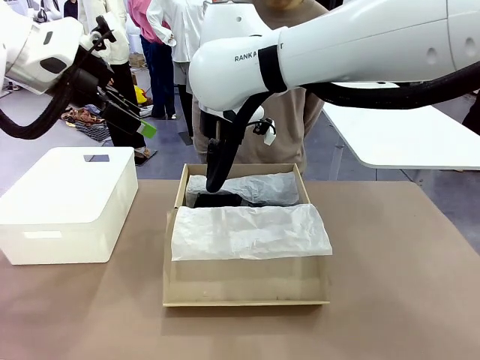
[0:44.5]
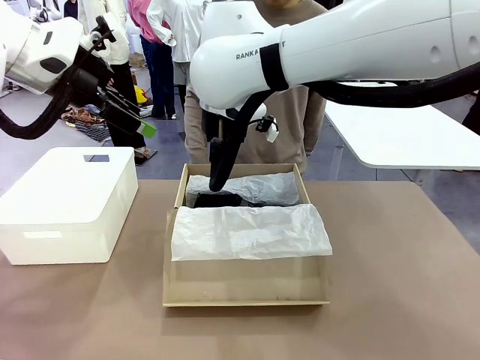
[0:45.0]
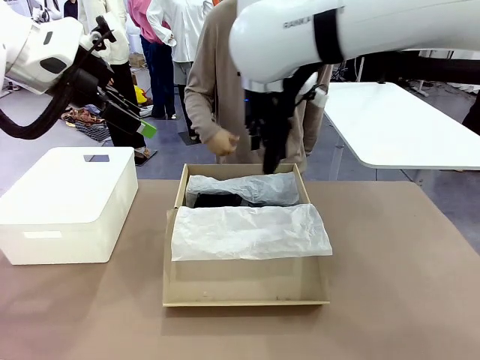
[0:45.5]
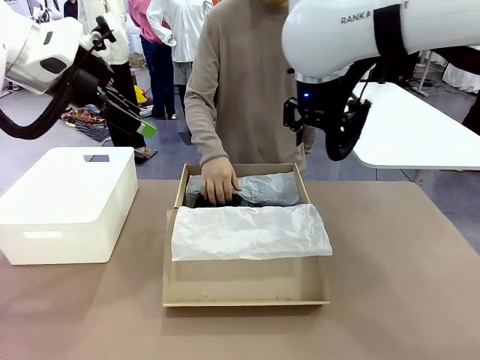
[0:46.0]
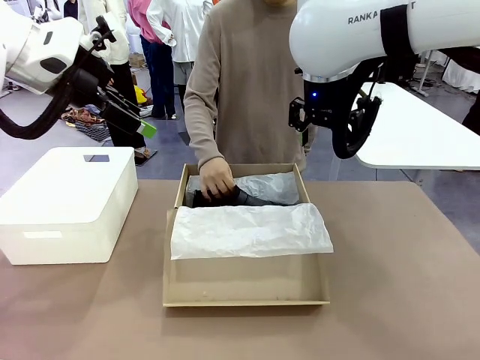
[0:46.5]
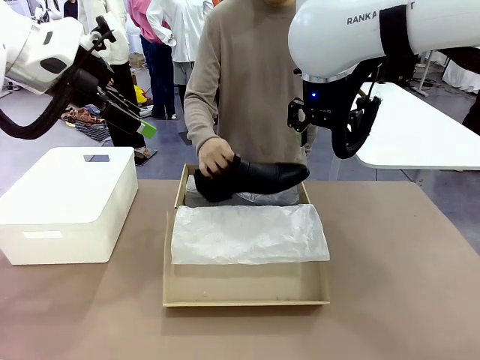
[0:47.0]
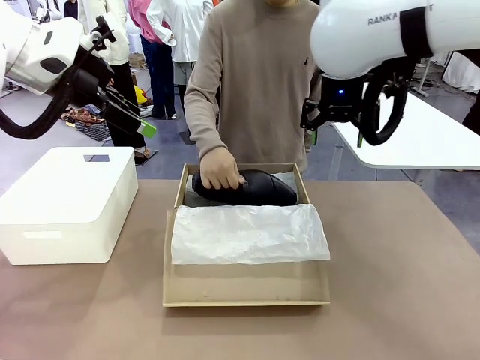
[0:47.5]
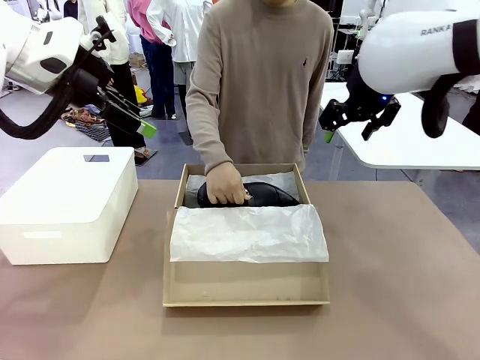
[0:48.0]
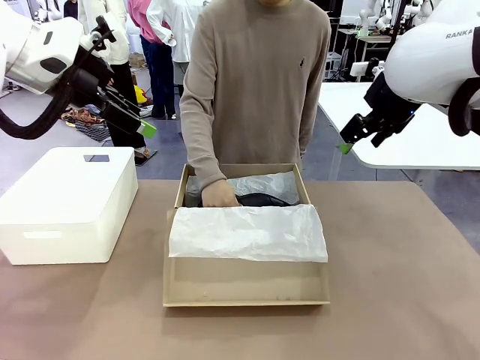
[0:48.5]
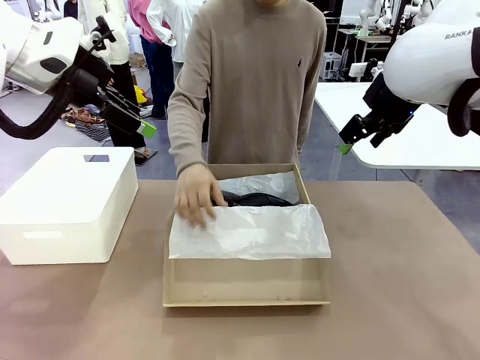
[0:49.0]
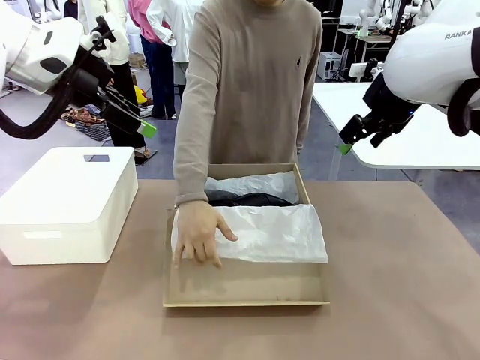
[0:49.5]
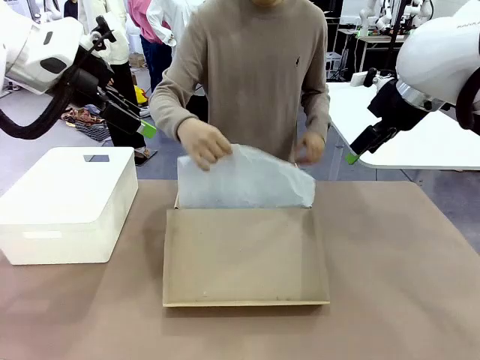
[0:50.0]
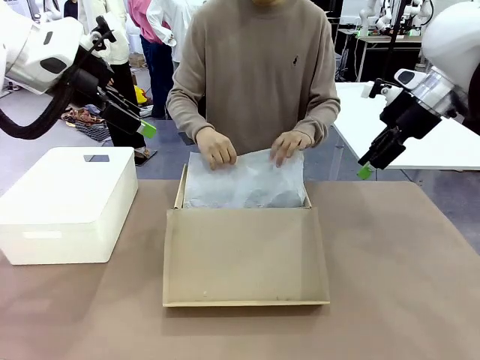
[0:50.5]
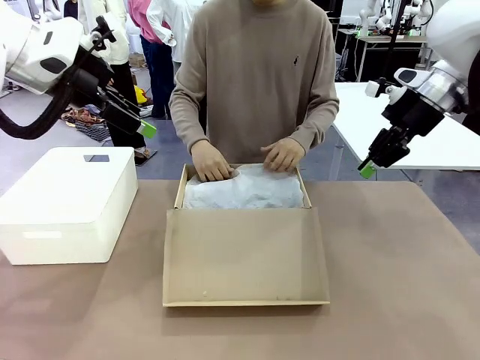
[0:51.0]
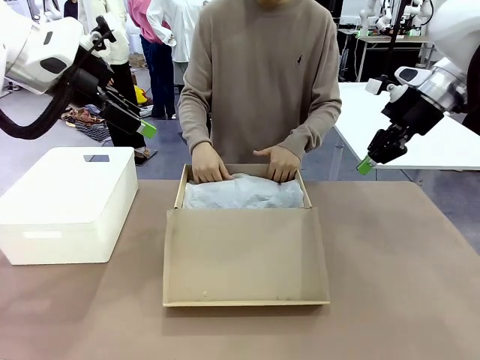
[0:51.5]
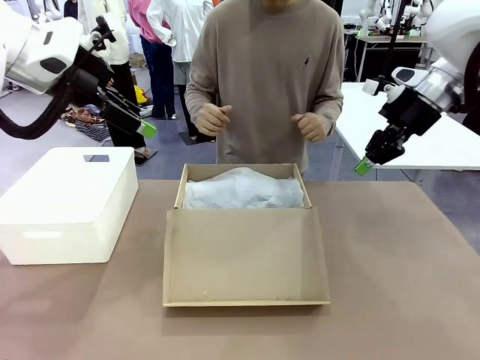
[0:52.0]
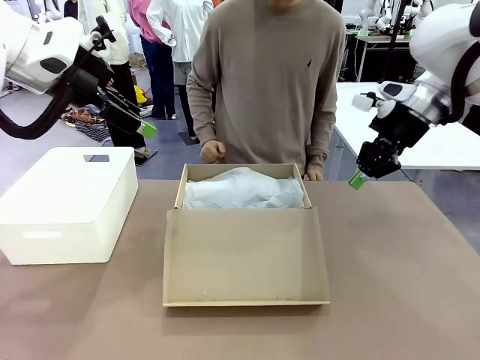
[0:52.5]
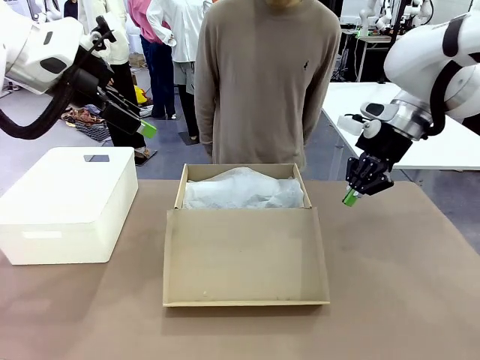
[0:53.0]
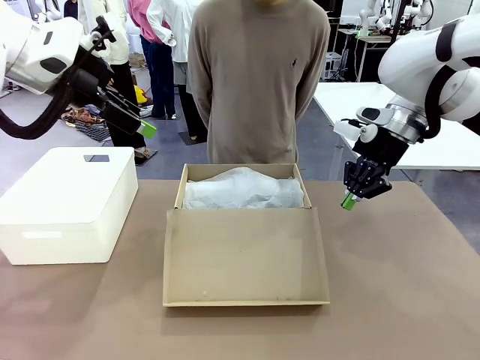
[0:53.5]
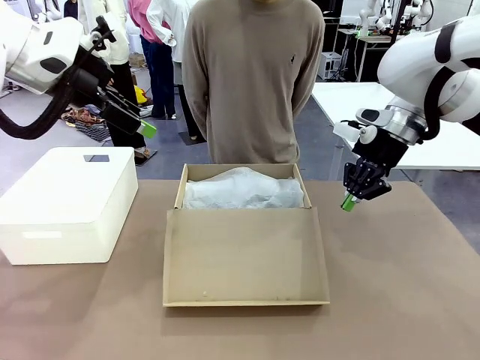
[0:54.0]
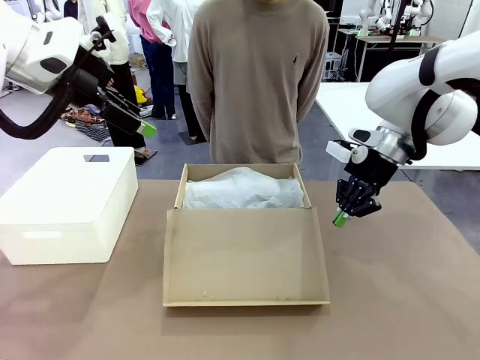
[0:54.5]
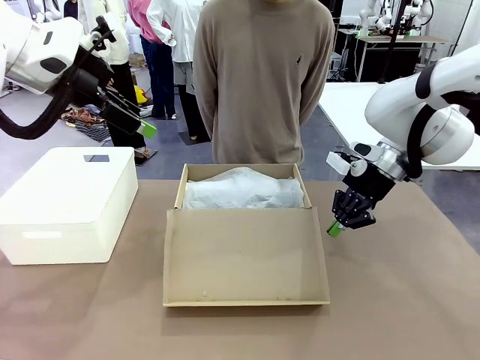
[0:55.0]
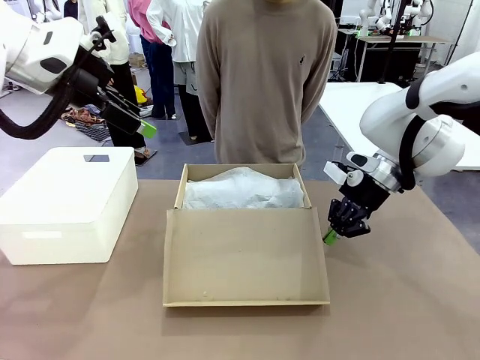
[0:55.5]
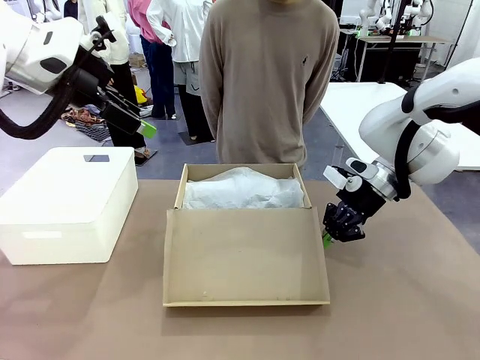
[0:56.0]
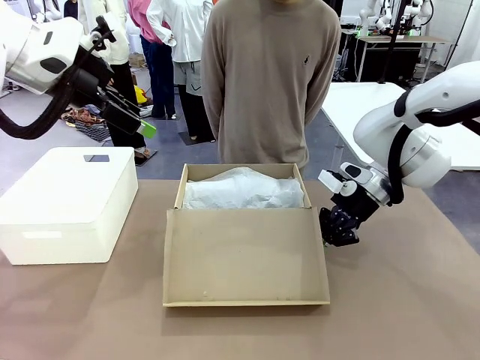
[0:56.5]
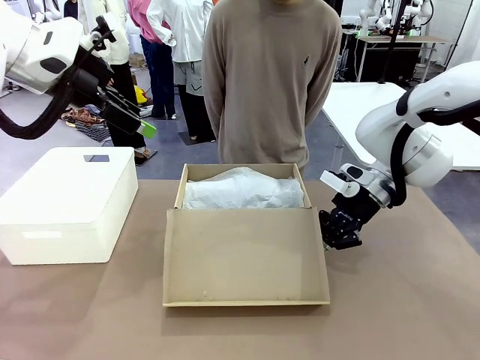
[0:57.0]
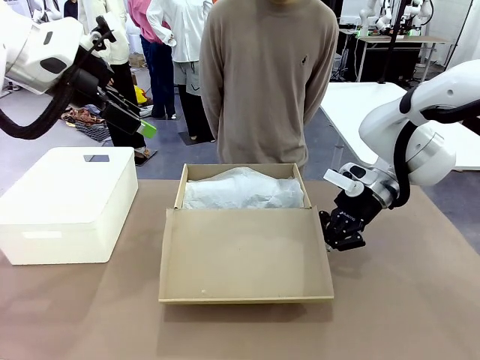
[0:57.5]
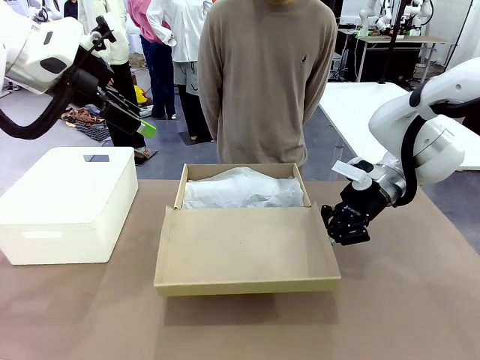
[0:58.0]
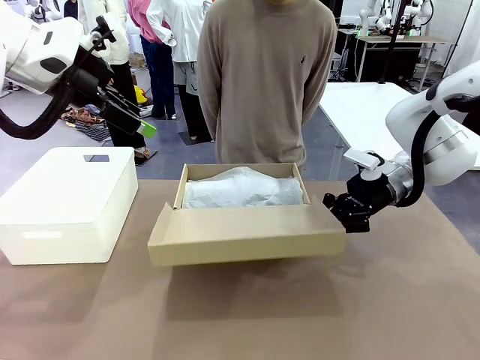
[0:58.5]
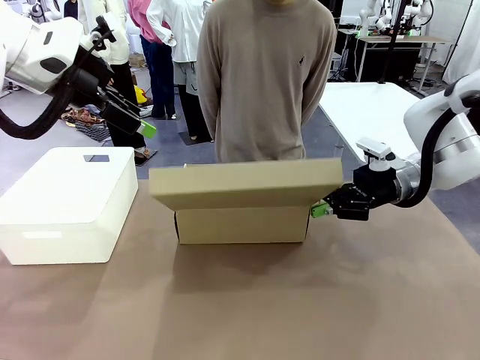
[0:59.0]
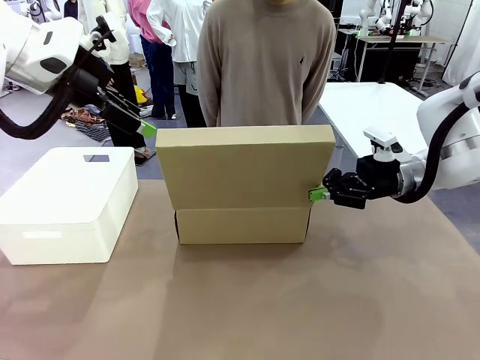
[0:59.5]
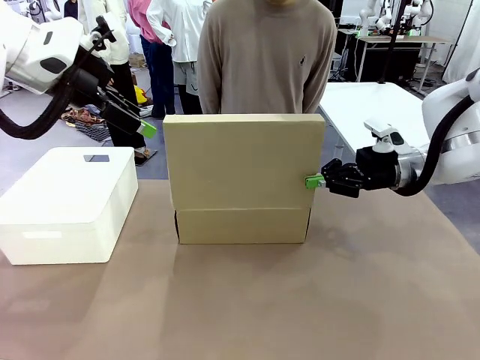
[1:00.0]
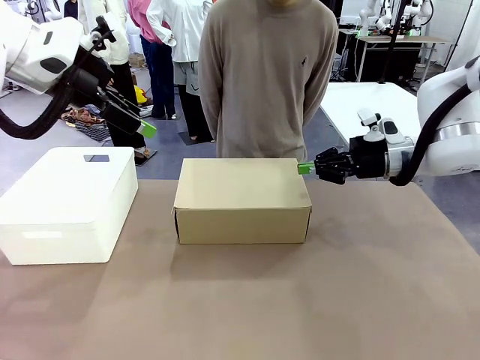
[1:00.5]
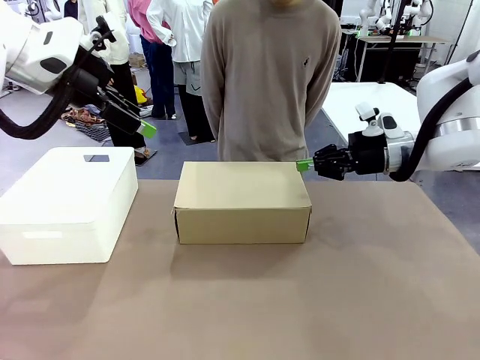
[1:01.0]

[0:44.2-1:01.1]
Task: Pack the shoes into the box.
Robot: Close the Shoes Box.

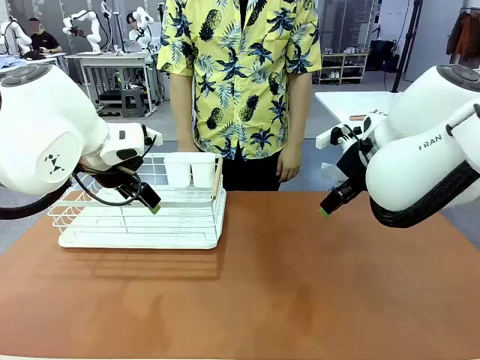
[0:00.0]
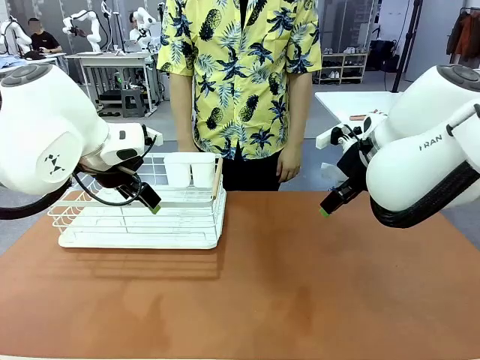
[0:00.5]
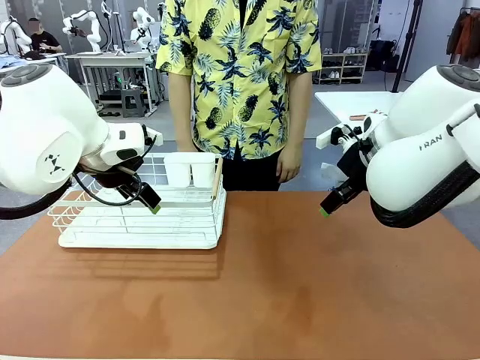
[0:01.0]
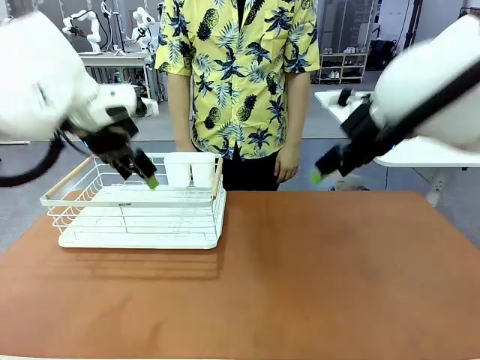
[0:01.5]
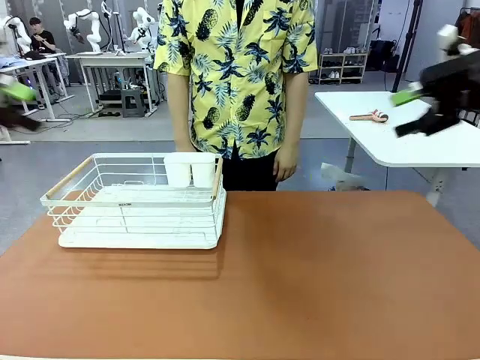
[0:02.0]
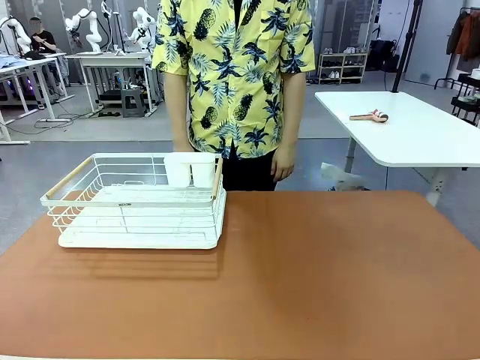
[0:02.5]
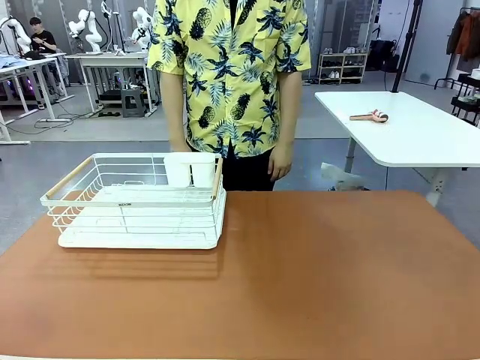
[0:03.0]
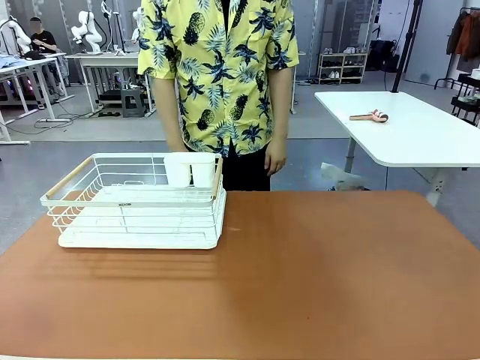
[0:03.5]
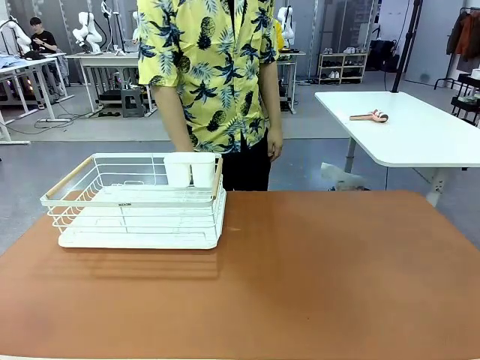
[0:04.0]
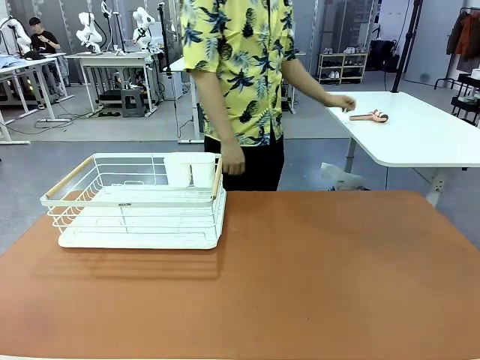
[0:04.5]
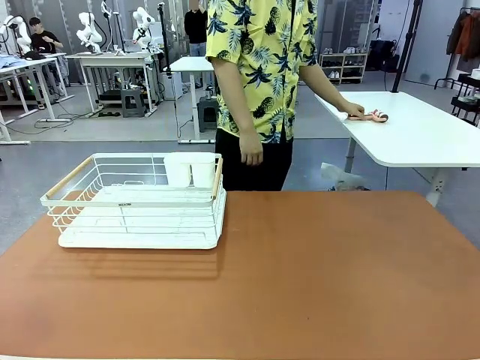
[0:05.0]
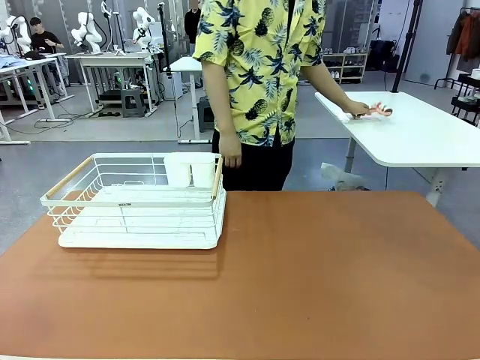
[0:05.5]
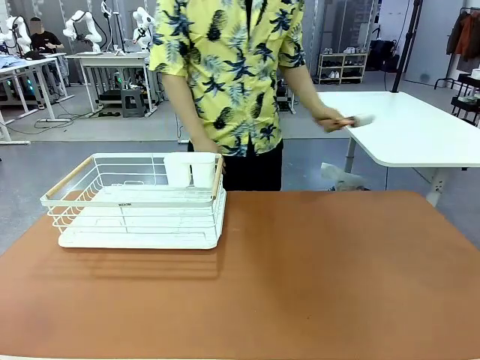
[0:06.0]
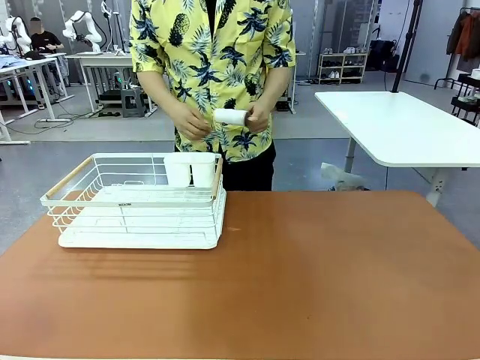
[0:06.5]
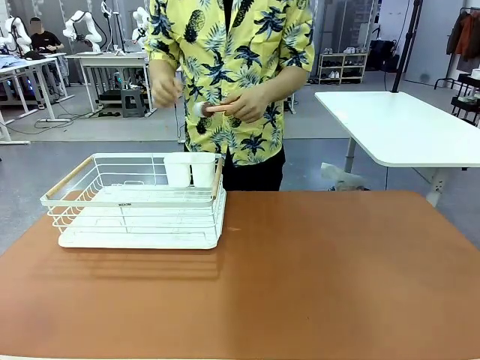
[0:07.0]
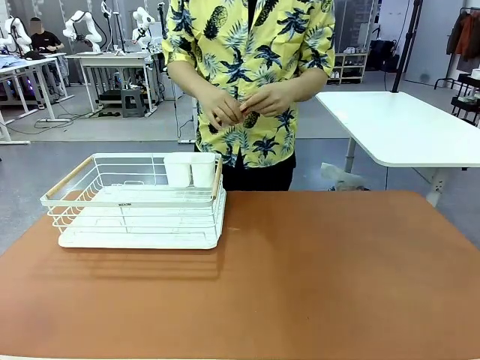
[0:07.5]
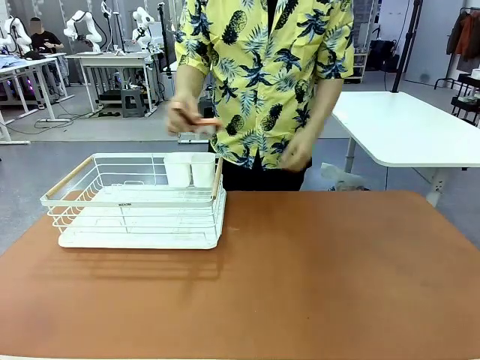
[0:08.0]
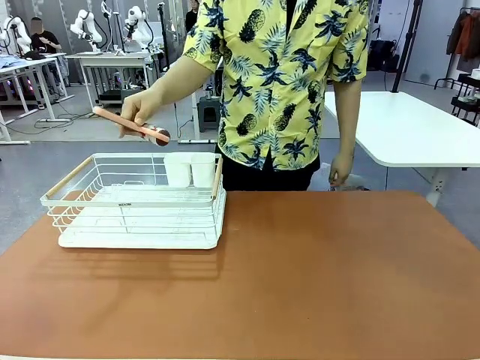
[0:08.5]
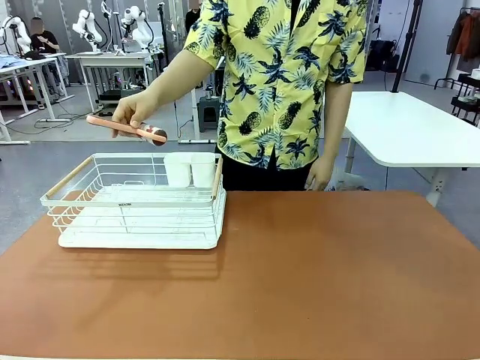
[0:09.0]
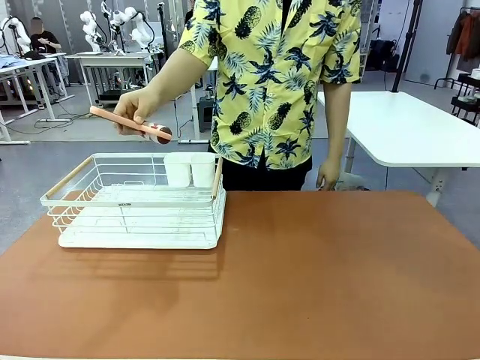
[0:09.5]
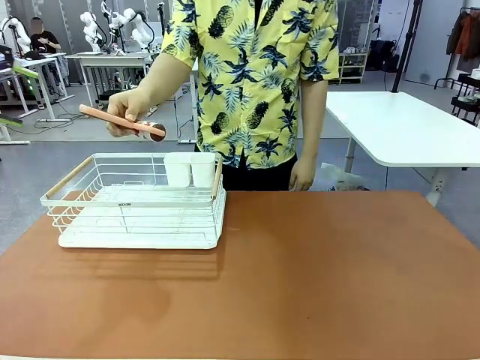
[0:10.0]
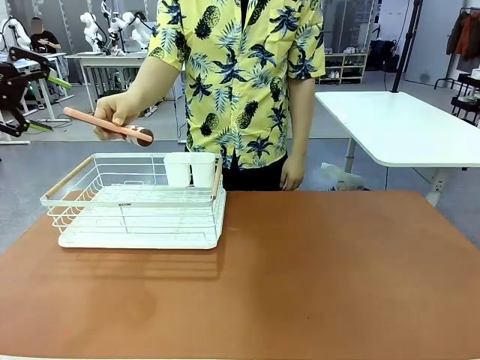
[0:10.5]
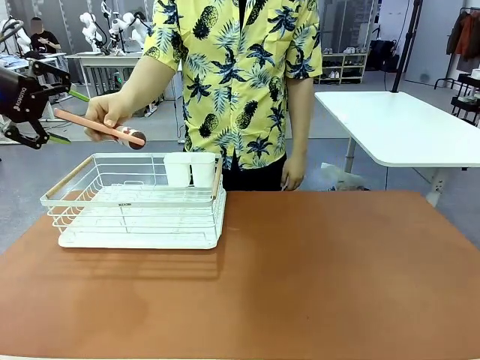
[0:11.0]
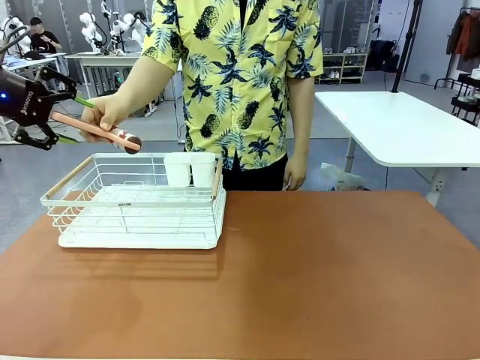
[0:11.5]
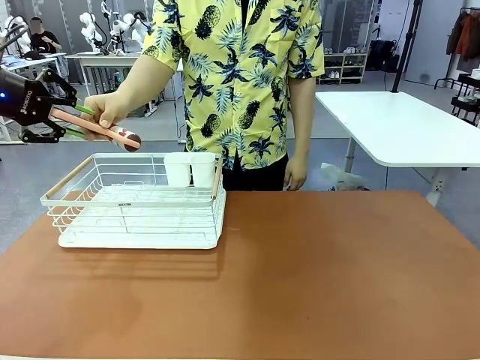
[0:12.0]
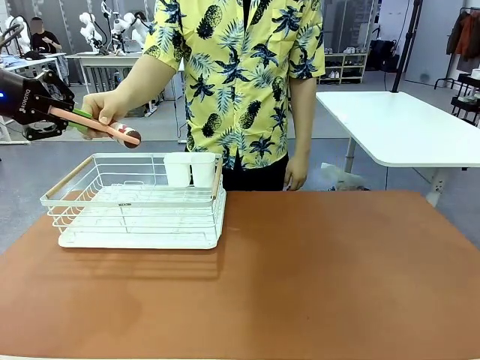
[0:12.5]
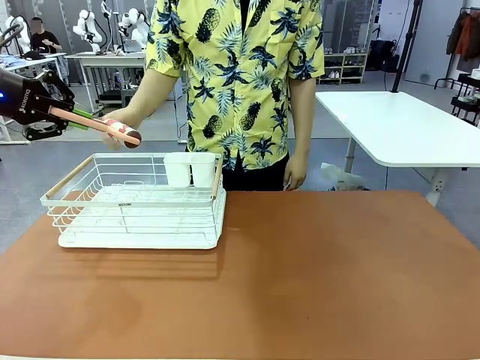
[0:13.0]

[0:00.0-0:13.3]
Task: Clean the table.
Robot: Pick up the Lint Roller when the human hands it over.
Person: Hand the Lint Roller to the robot so it can easily pick it up. Lift the Dish drying rack.
